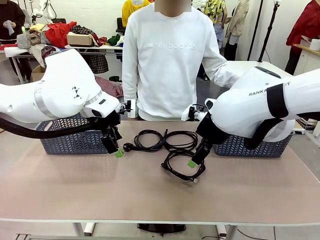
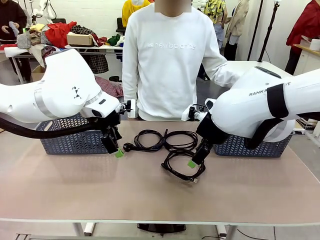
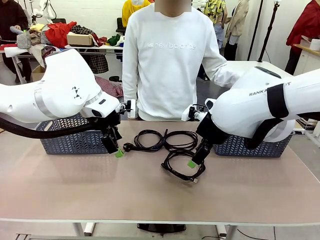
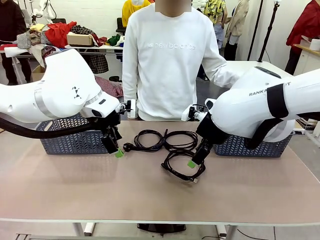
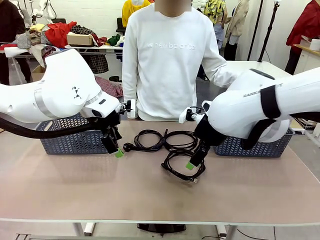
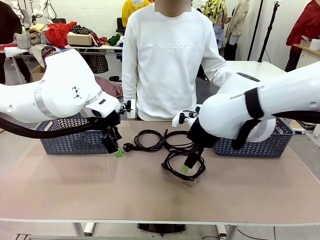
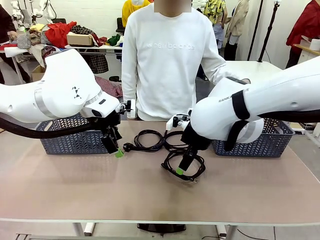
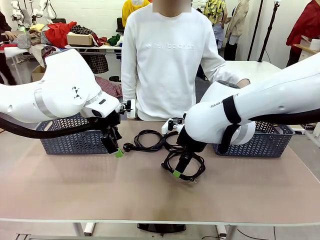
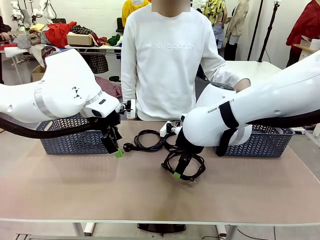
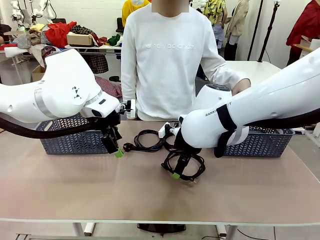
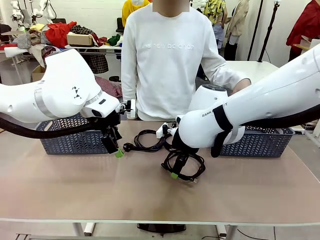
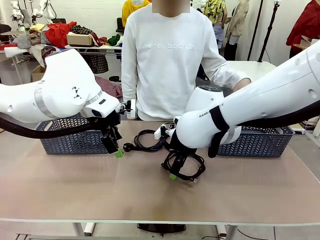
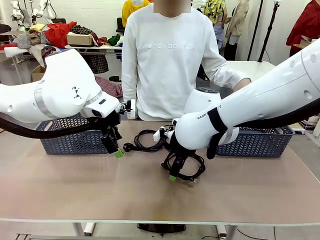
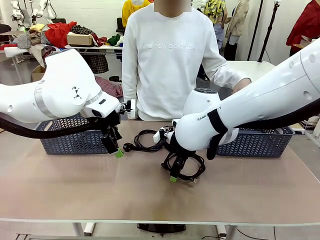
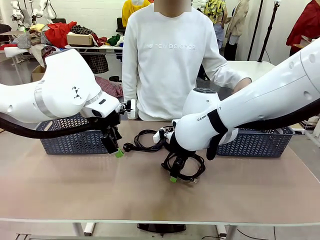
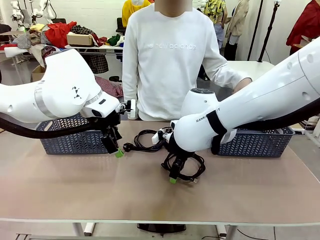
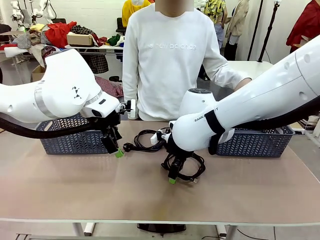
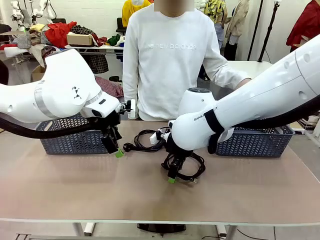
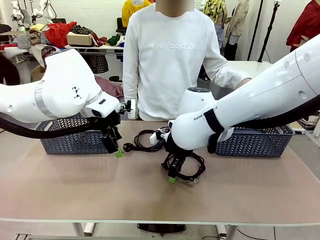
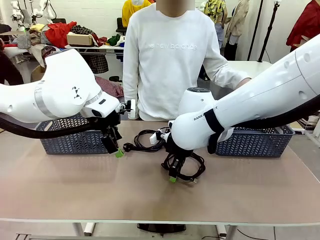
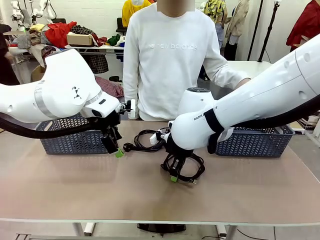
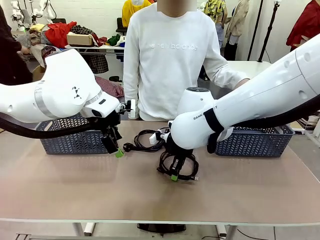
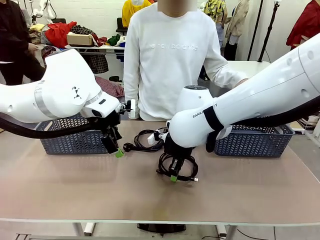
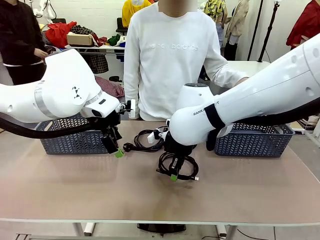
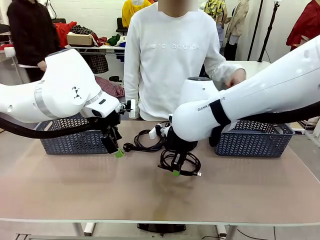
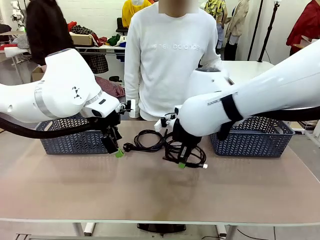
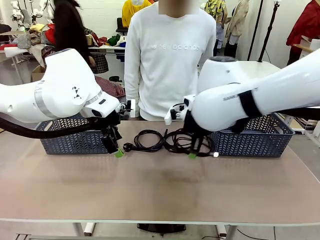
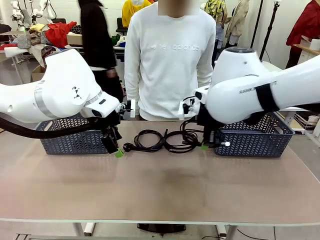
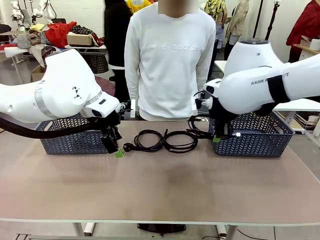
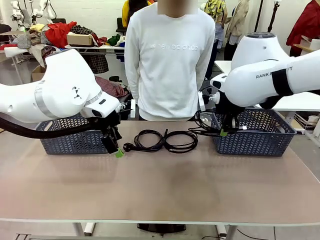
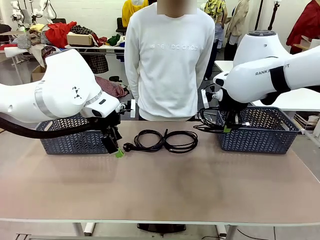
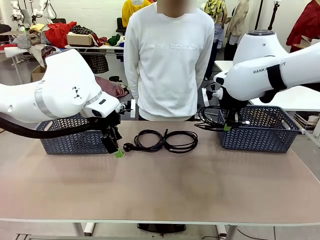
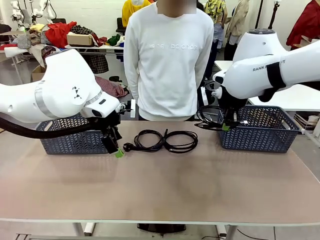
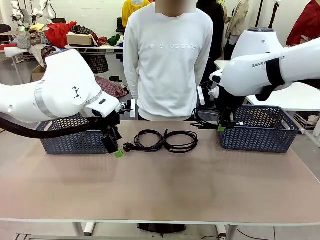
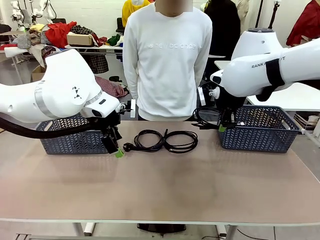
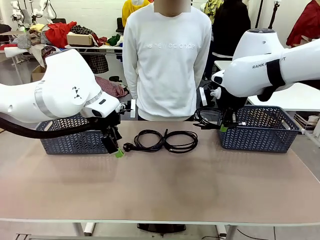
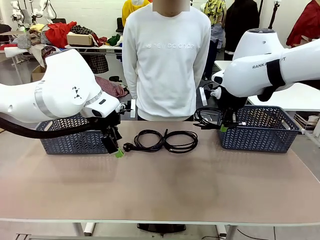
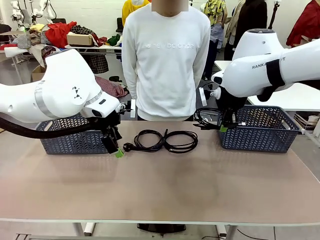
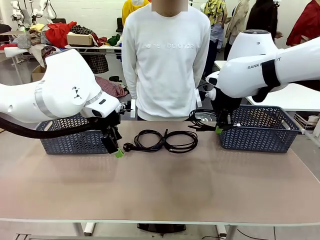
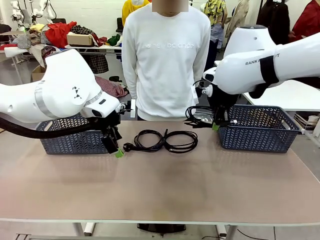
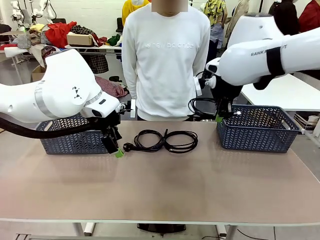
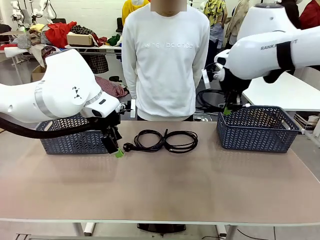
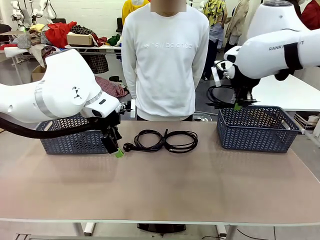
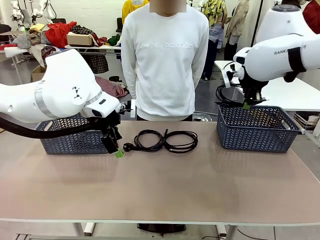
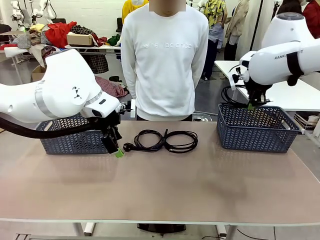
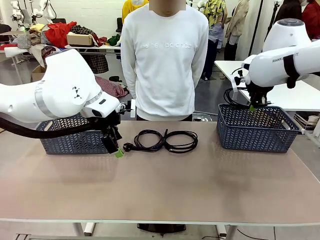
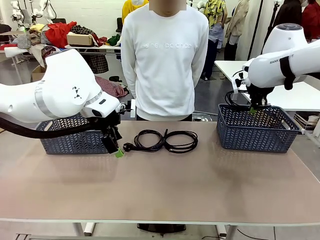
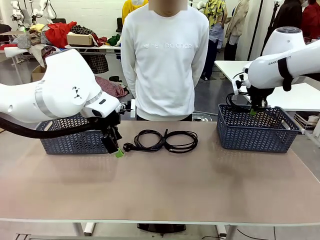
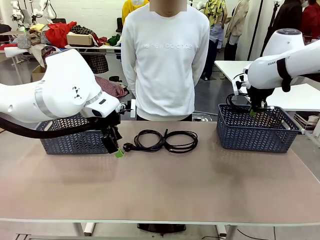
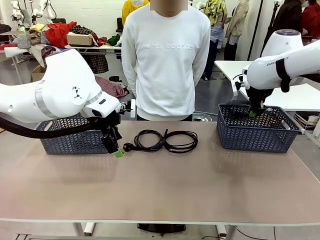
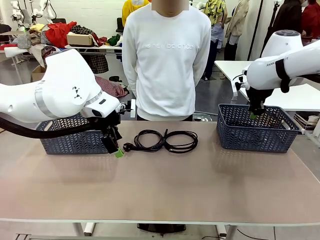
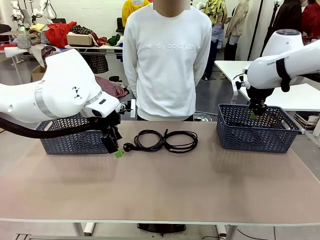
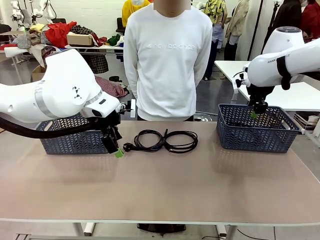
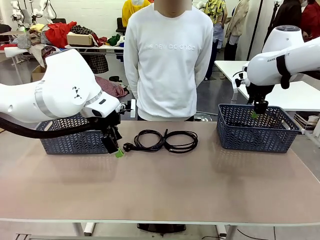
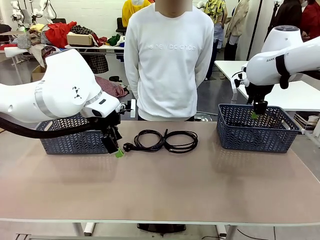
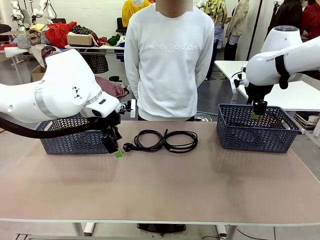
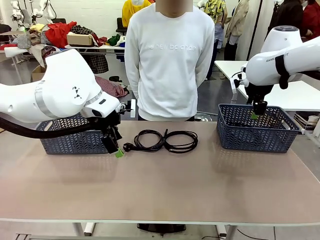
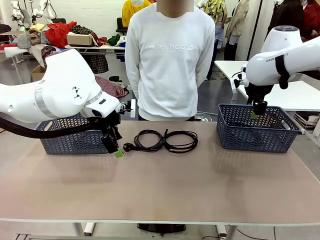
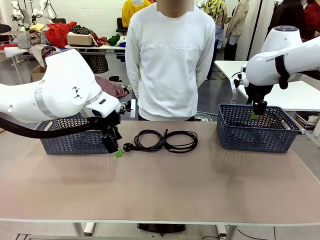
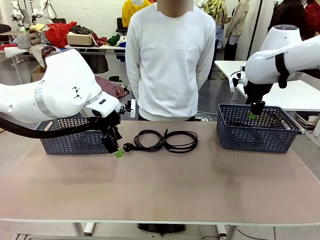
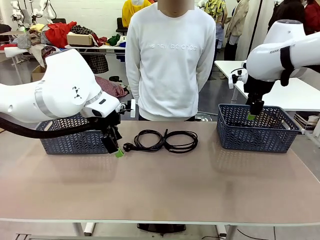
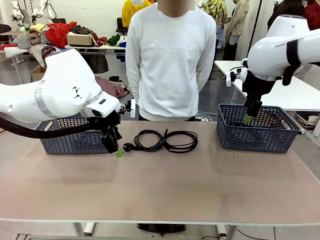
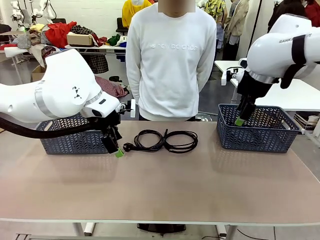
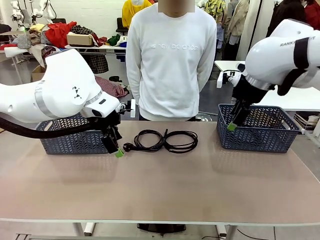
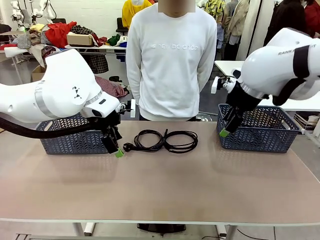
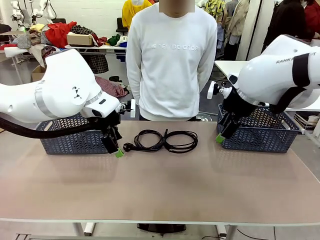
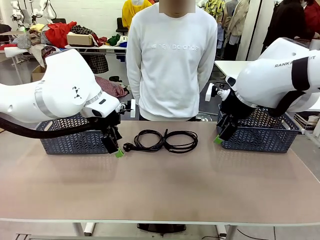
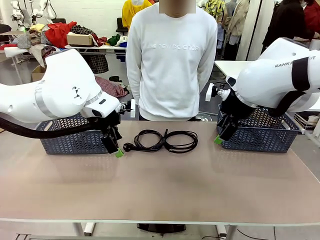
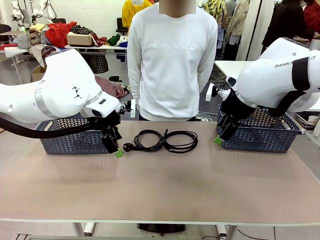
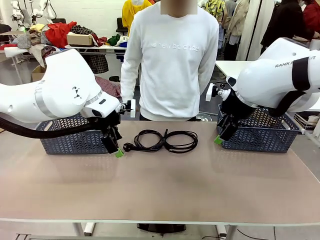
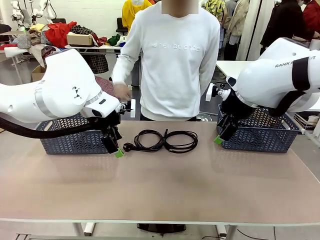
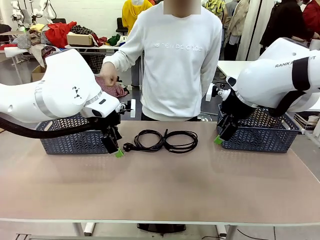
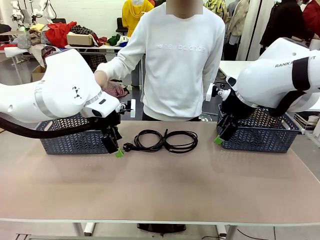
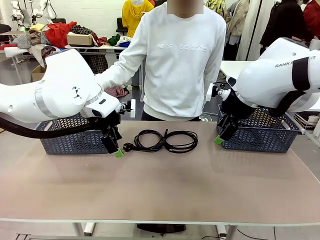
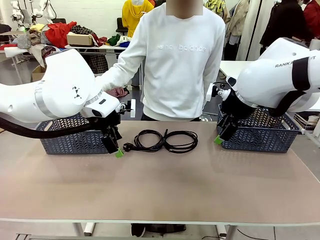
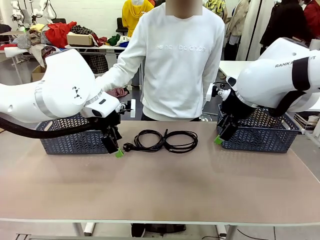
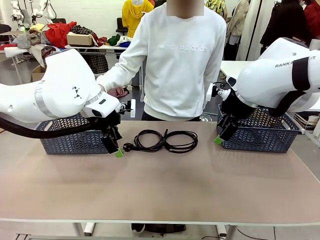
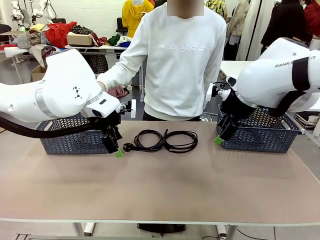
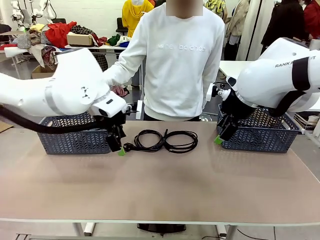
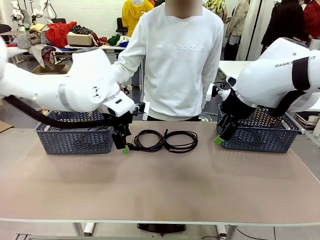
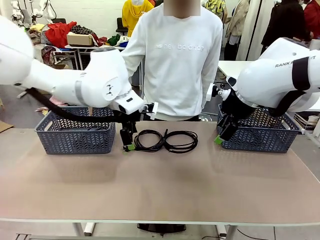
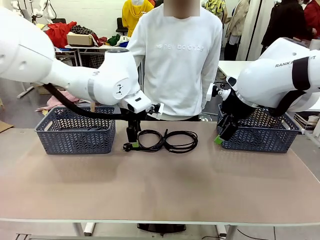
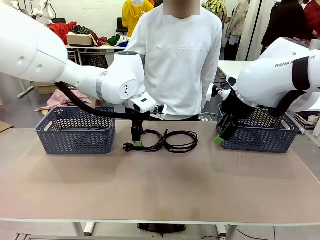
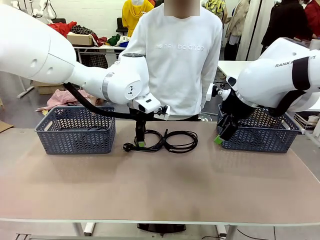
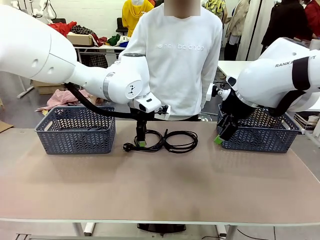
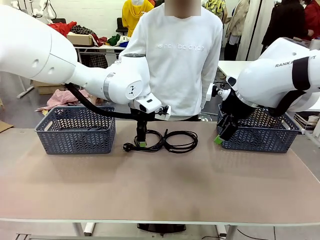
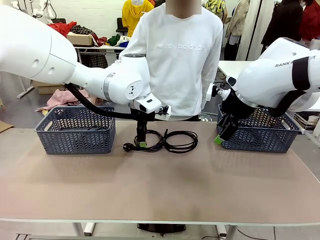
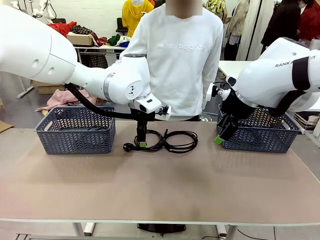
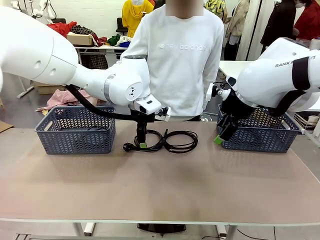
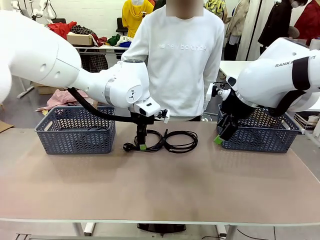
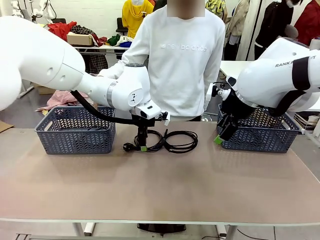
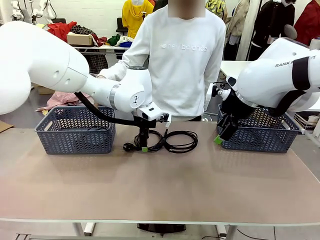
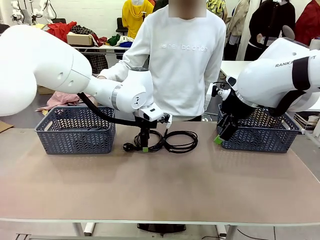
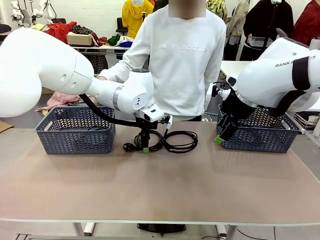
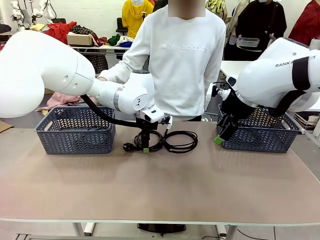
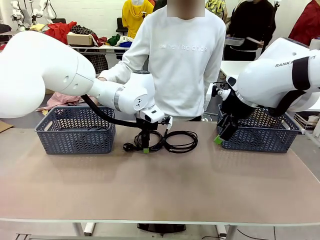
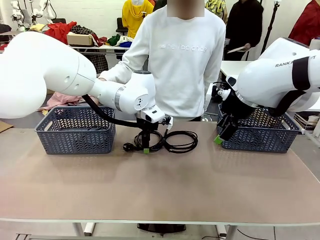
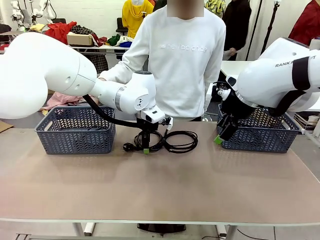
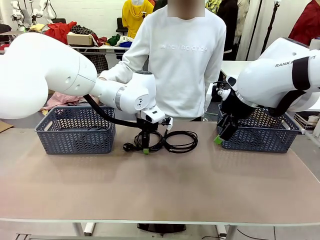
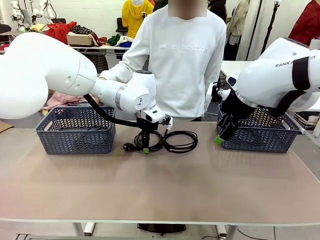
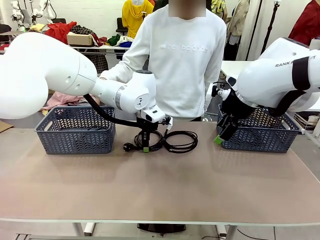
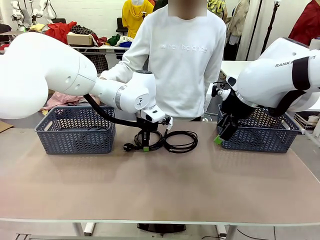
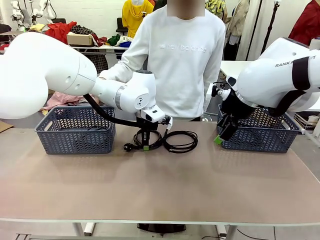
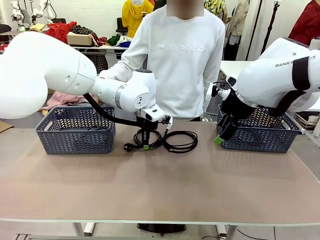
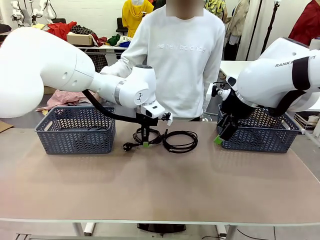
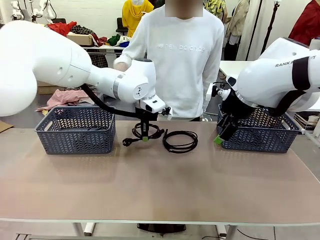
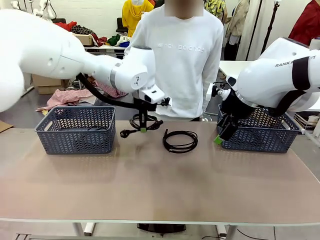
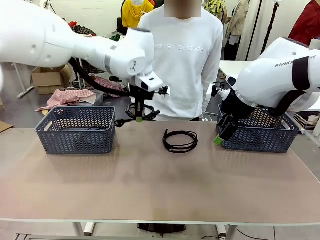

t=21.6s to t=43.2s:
Task: Organize the cables according to human instructions.
Robot: Pick up a bundle of cables and place it in the basket indicated by the human.
